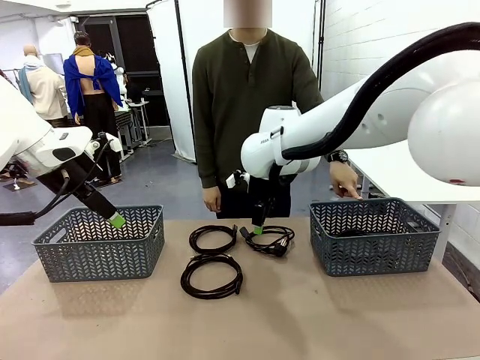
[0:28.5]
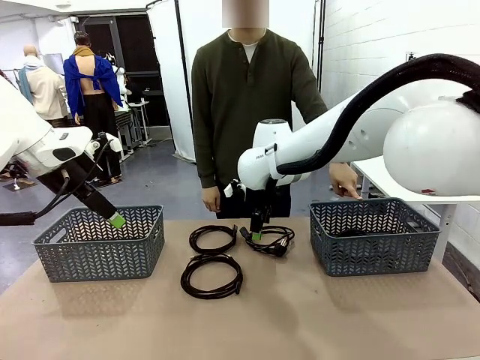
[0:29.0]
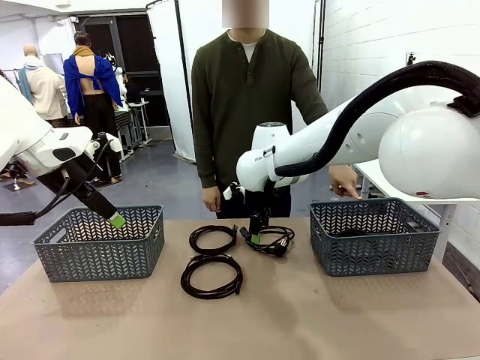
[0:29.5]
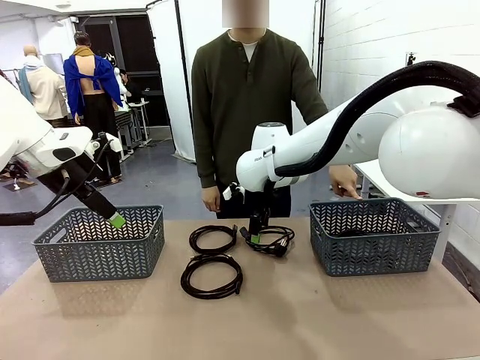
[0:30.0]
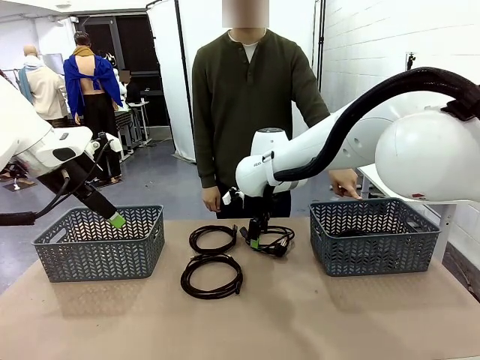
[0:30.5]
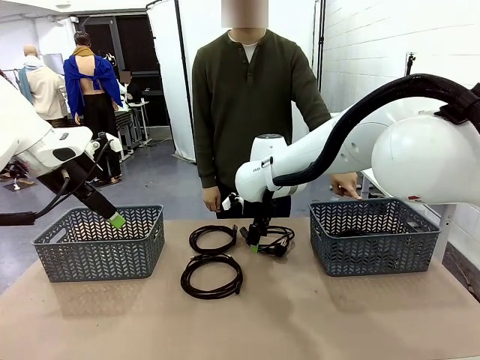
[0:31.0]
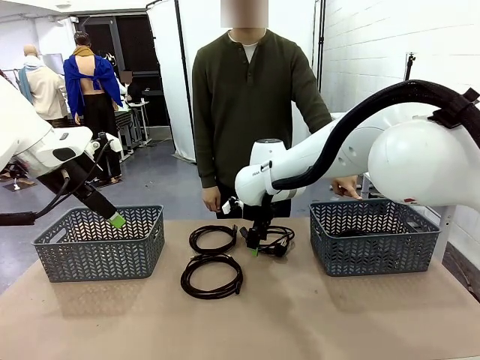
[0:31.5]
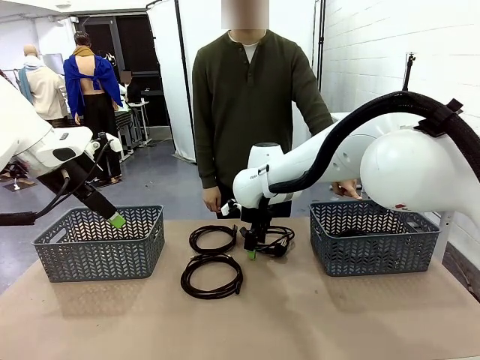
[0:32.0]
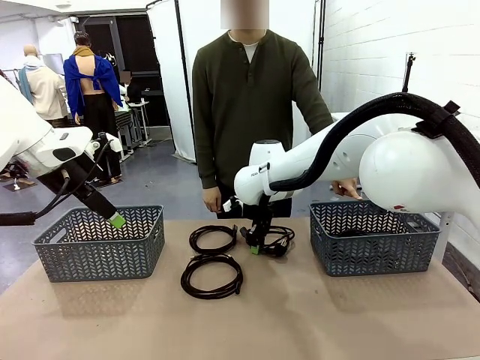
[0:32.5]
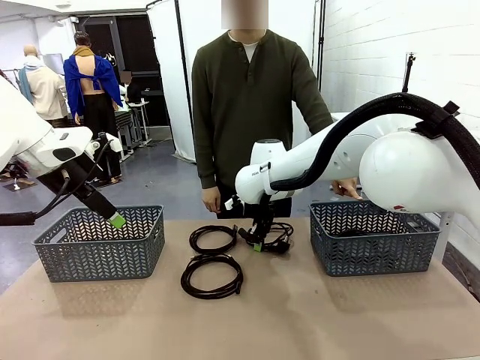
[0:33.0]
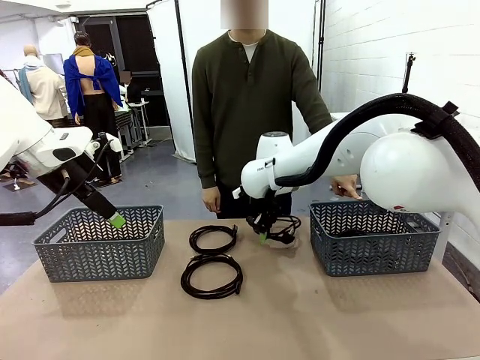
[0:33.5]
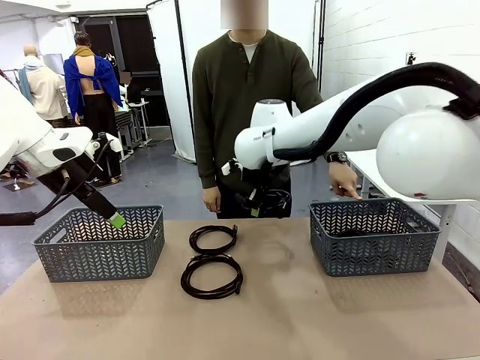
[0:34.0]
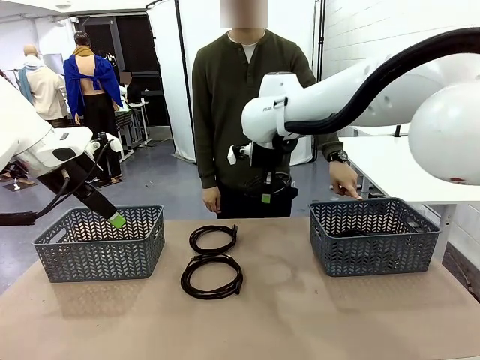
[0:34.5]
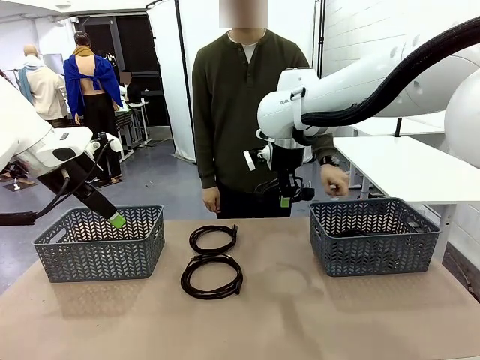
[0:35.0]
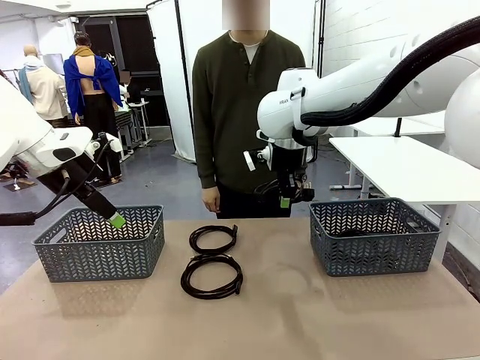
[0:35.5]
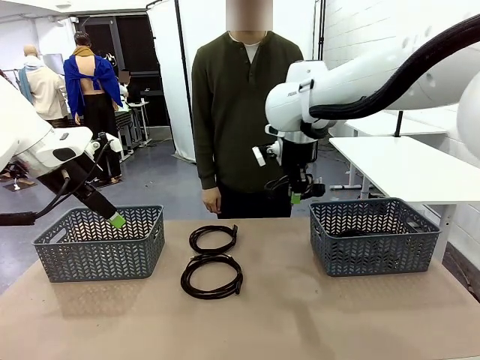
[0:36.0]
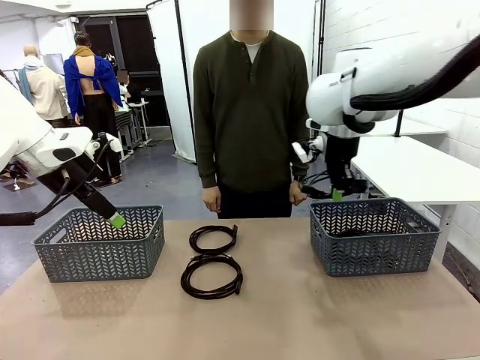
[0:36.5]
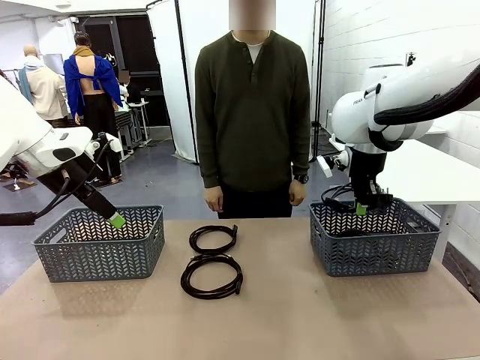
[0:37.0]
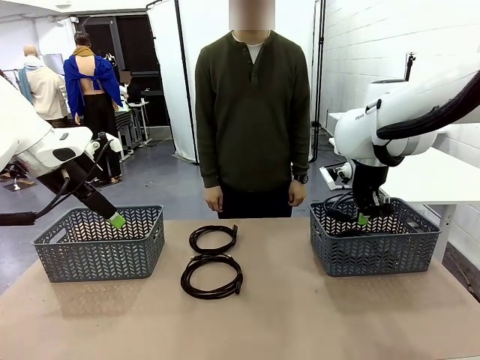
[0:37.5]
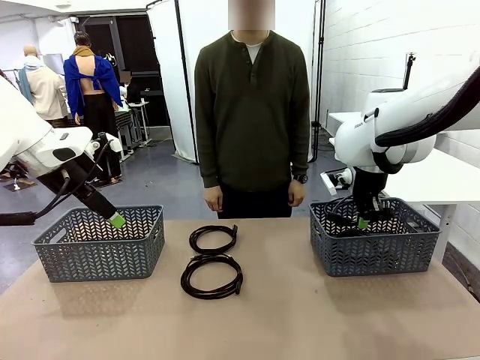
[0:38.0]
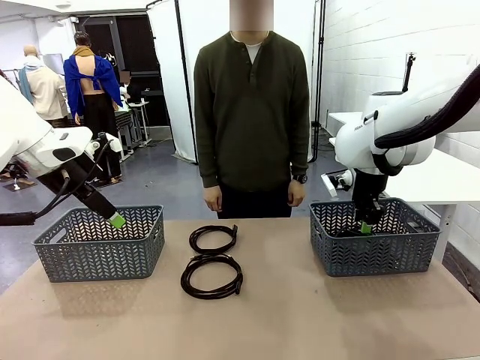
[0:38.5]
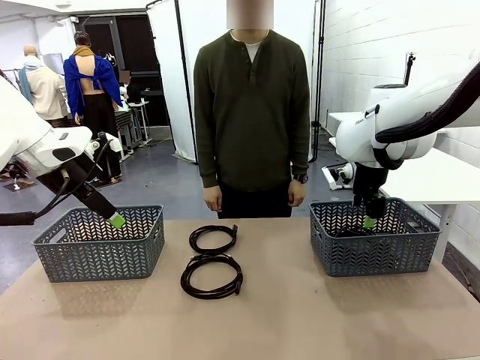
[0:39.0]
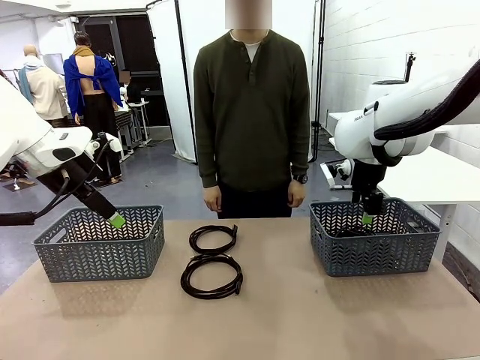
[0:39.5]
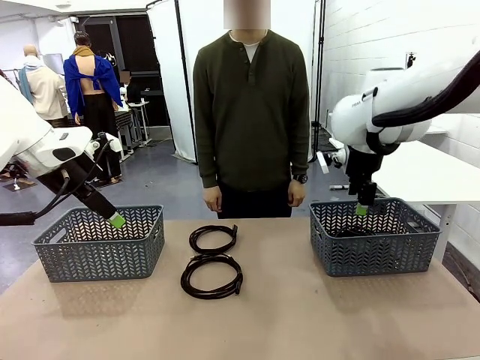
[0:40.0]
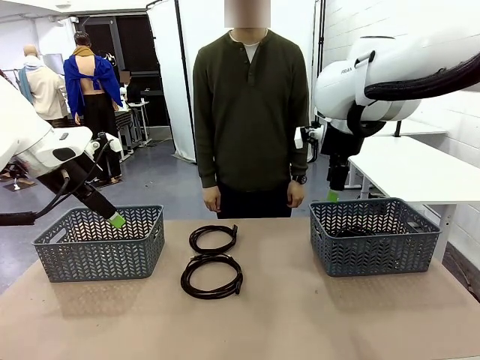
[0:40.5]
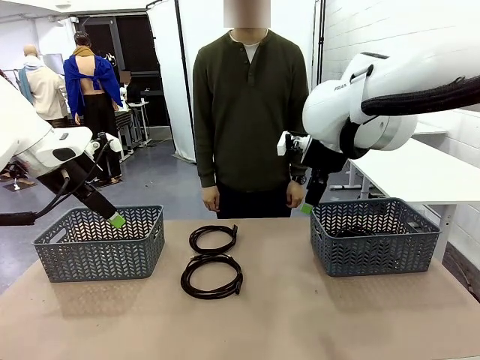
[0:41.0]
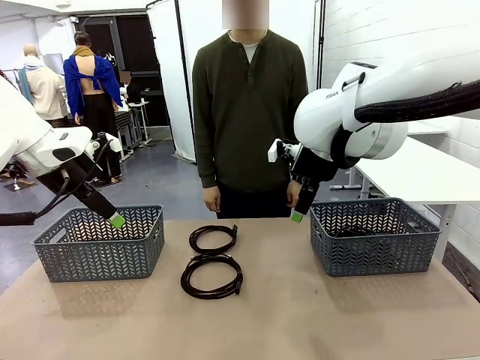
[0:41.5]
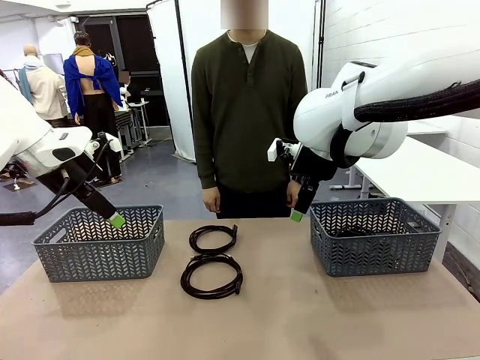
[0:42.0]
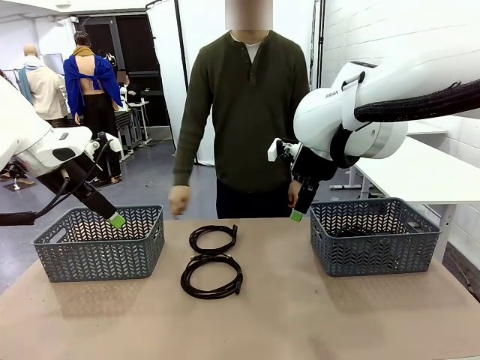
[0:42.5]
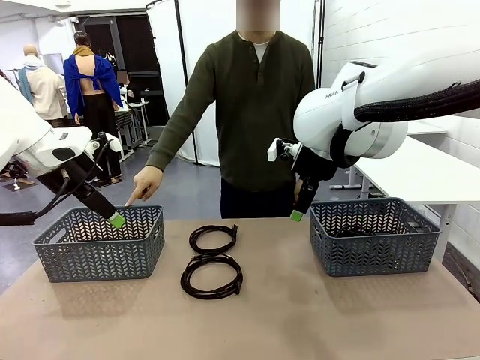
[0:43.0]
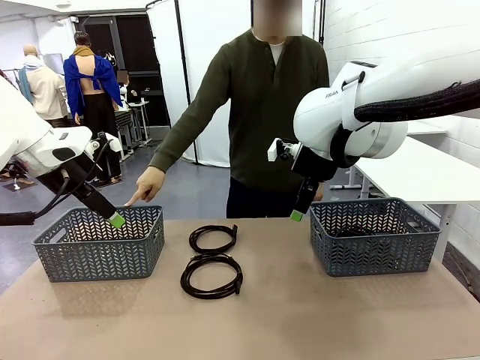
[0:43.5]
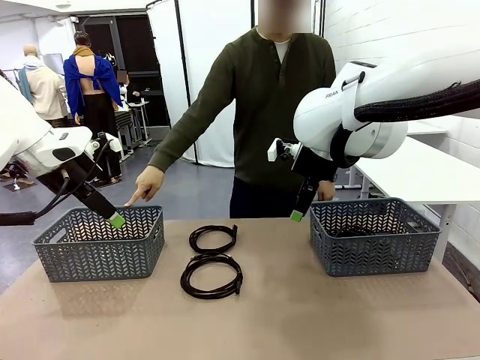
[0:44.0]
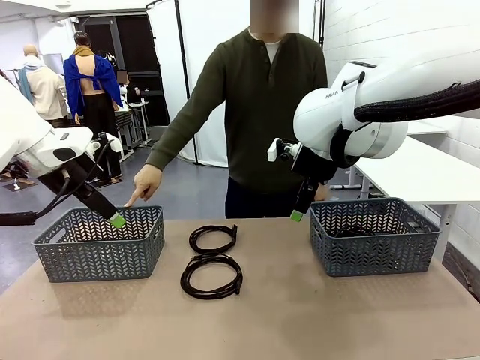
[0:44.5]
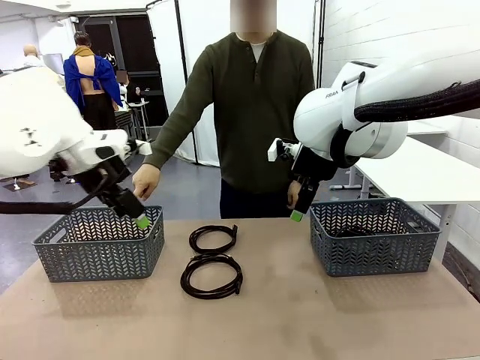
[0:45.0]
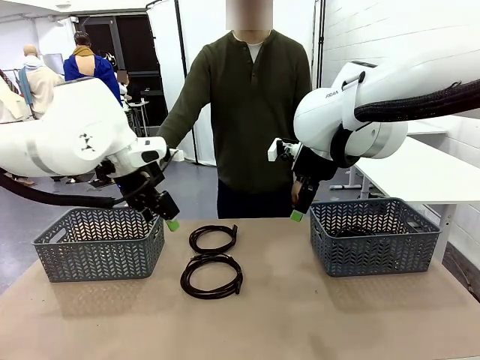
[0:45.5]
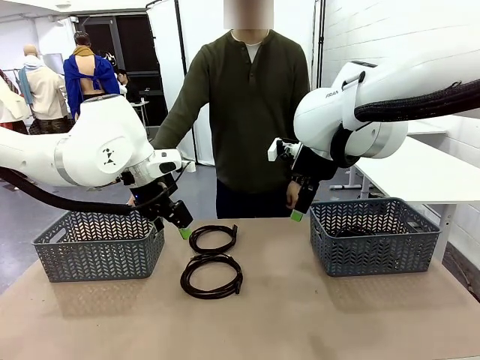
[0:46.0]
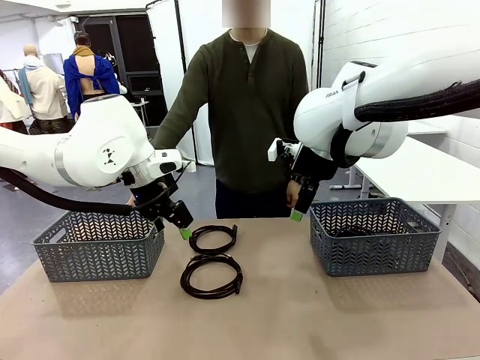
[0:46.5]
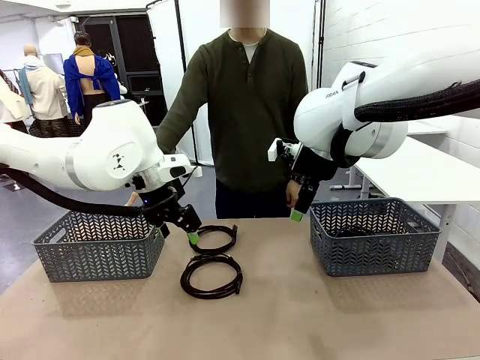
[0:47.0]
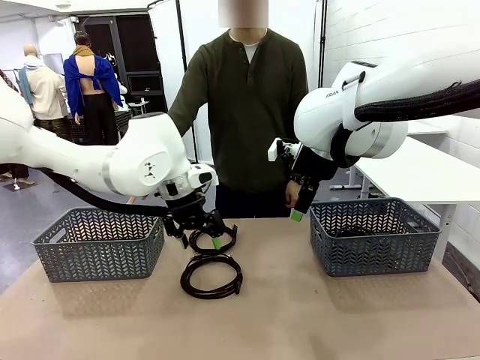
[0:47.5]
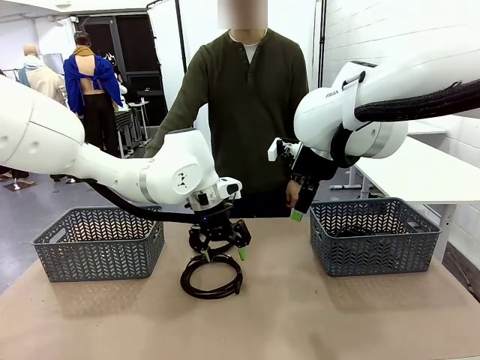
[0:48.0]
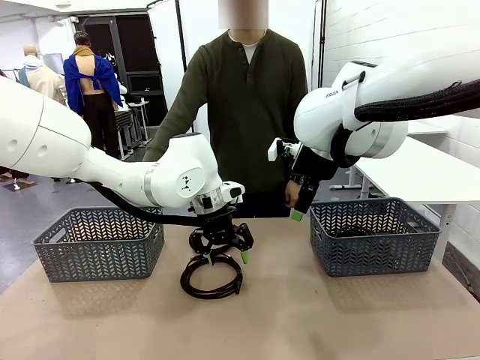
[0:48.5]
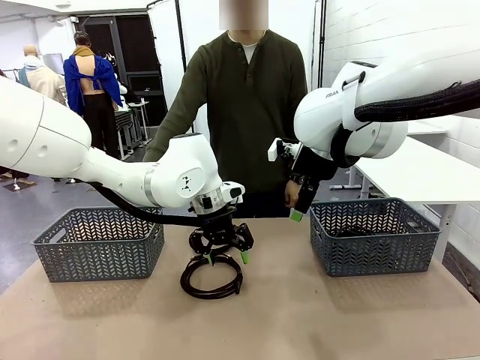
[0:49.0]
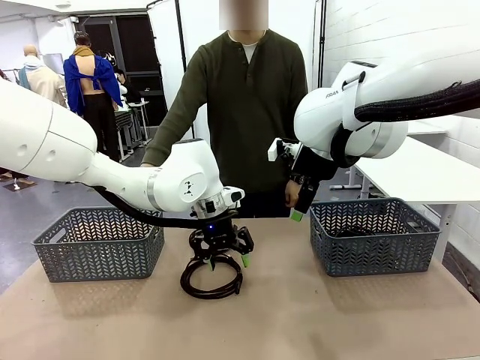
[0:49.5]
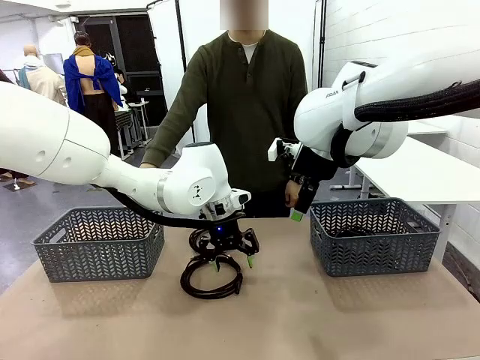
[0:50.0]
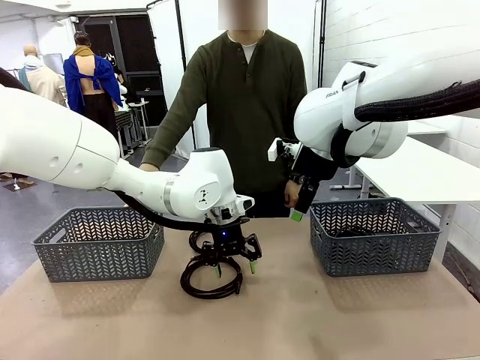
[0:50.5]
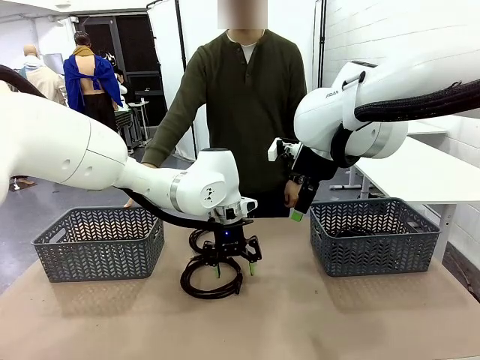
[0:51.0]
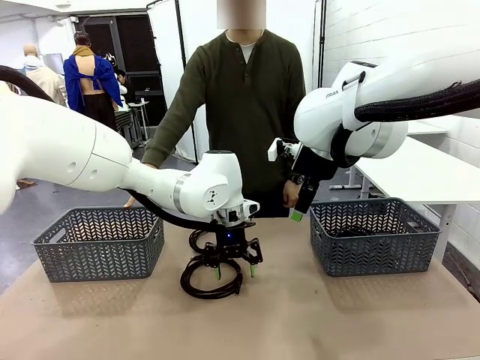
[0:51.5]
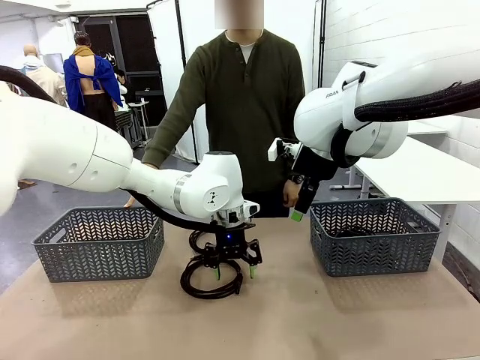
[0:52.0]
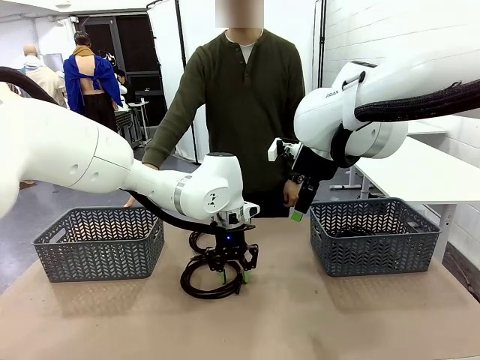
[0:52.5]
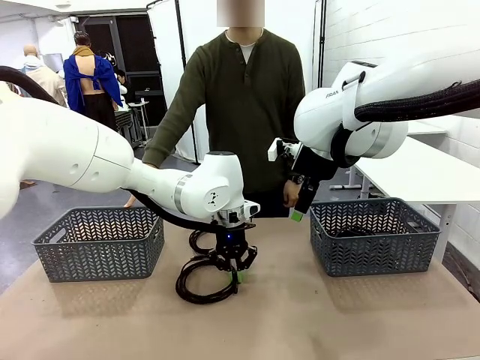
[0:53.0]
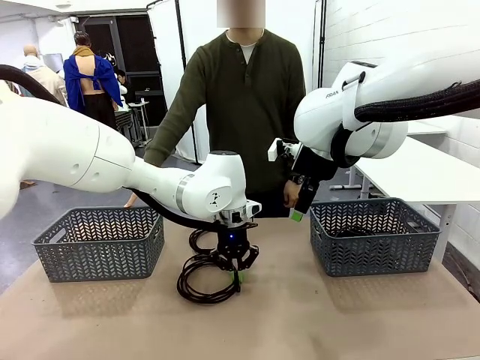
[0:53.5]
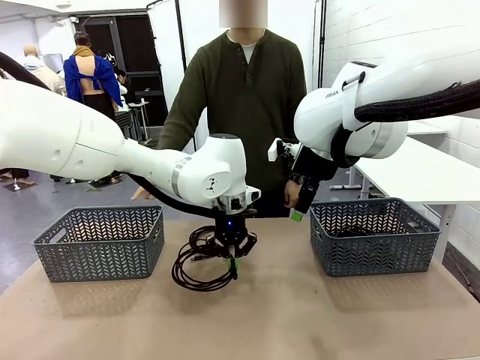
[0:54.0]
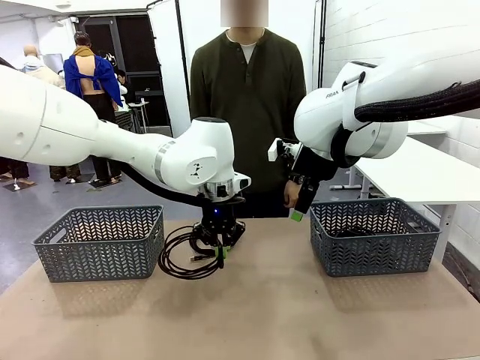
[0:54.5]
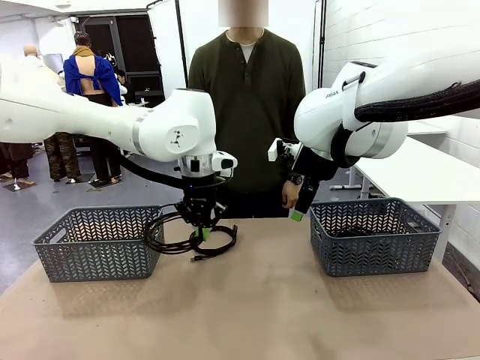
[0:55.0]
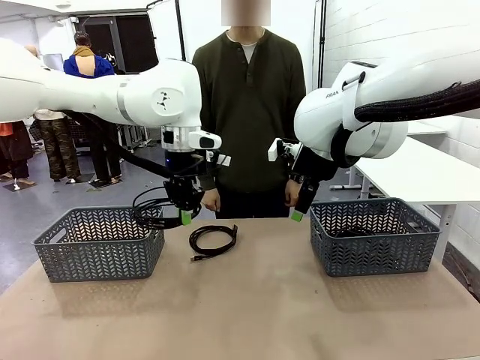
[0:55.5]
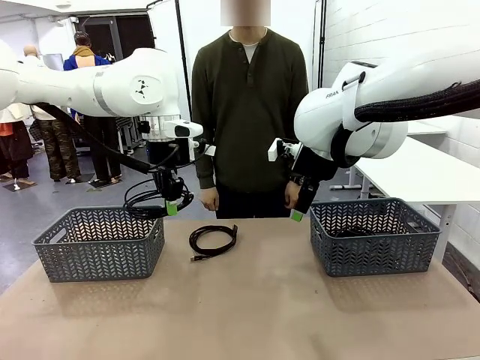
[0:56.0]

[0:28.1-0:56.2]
Task: Organize the cables according to human instructions.
Robot: Pick up a bundle of cables and place it in the basket indicated by the human.
